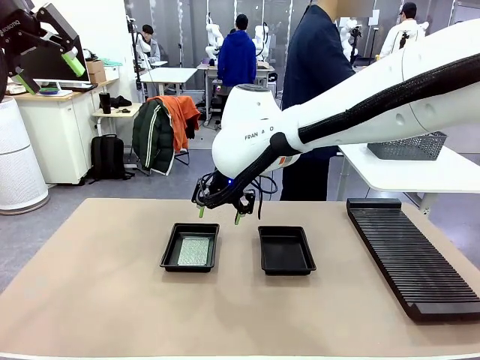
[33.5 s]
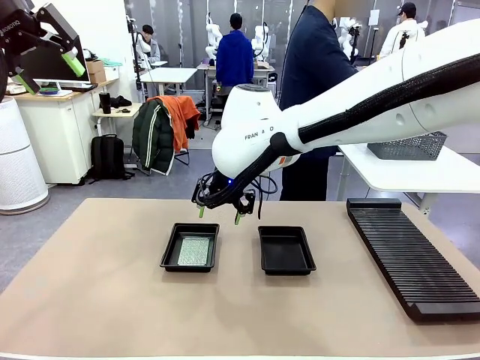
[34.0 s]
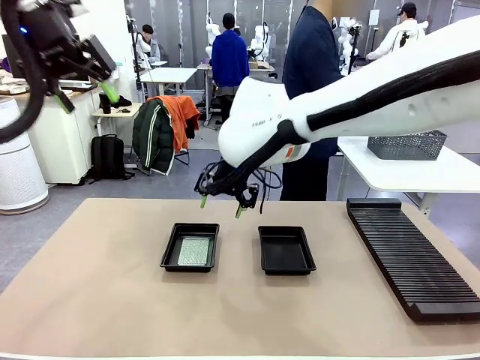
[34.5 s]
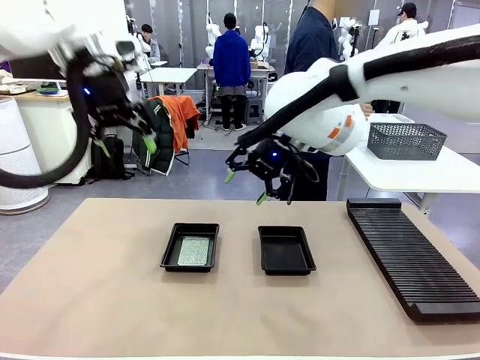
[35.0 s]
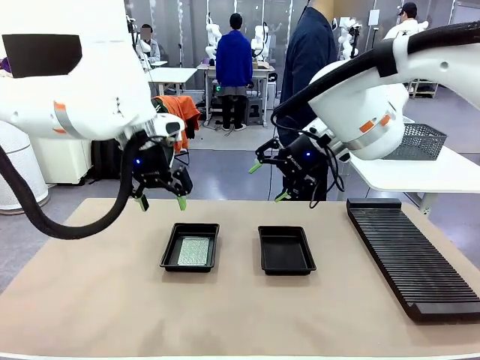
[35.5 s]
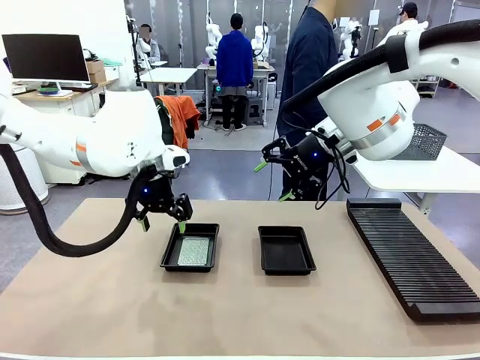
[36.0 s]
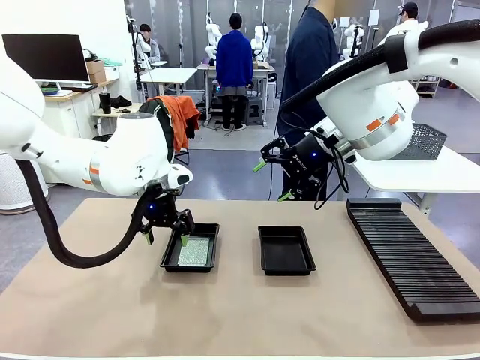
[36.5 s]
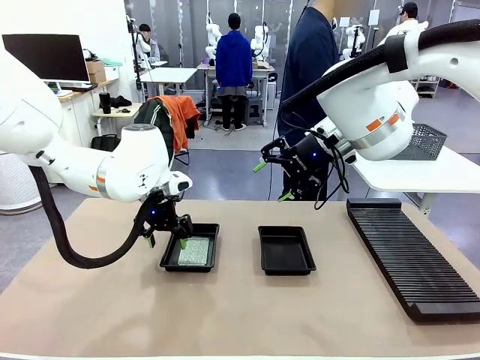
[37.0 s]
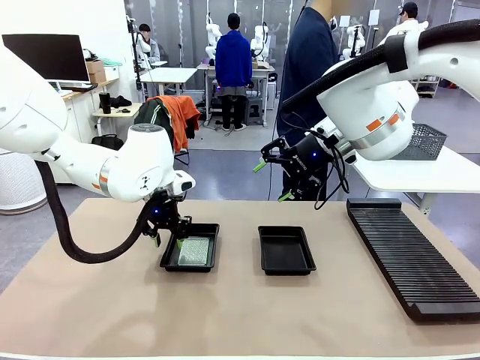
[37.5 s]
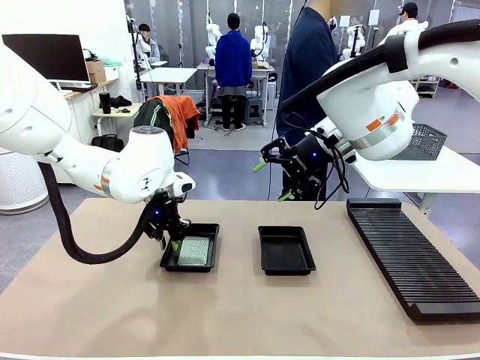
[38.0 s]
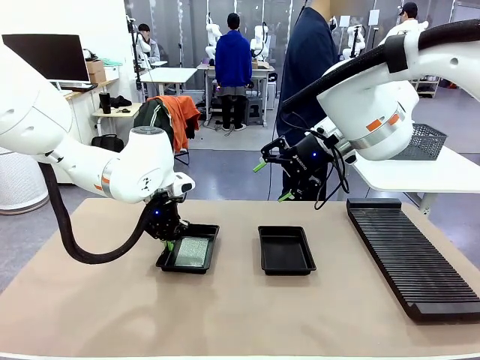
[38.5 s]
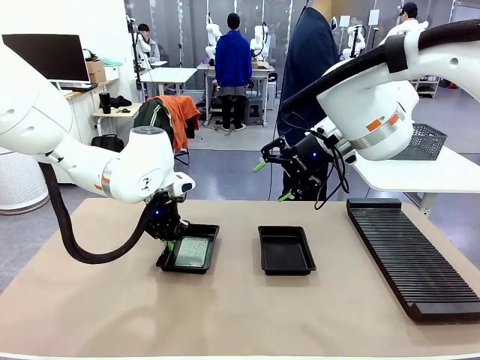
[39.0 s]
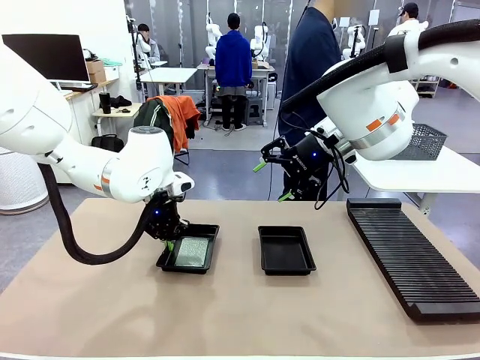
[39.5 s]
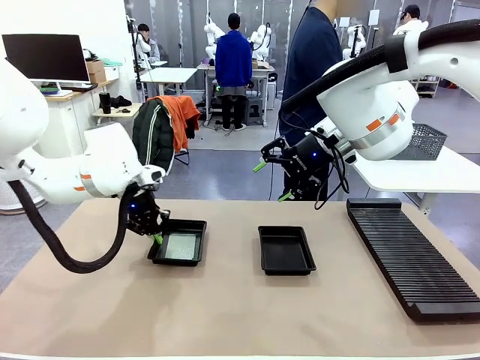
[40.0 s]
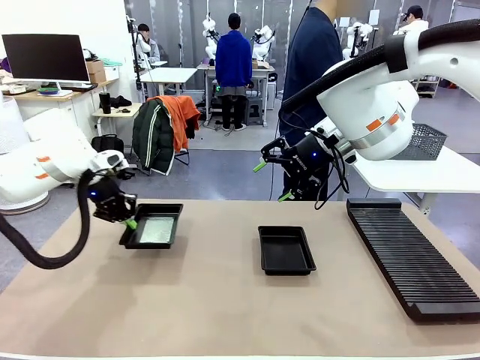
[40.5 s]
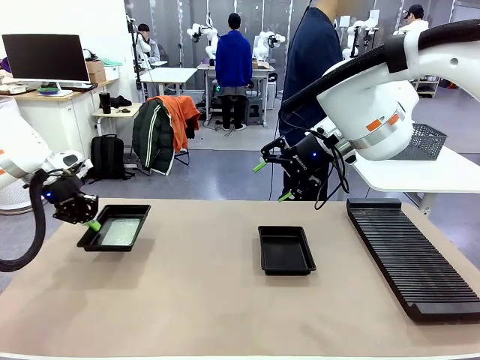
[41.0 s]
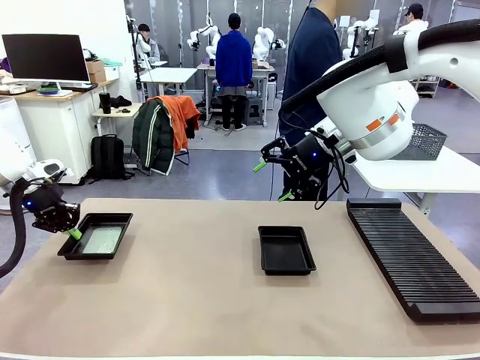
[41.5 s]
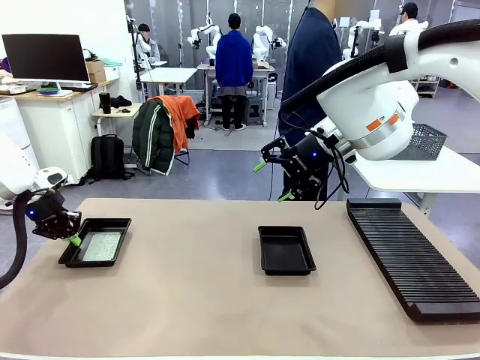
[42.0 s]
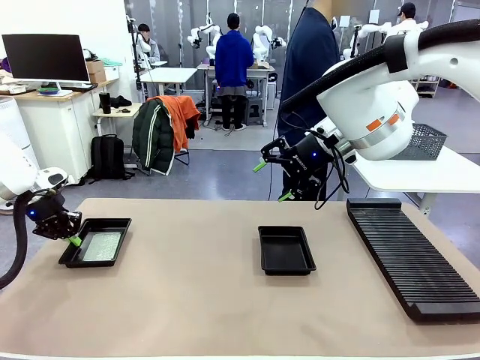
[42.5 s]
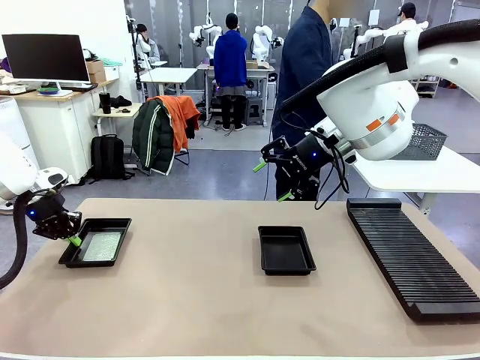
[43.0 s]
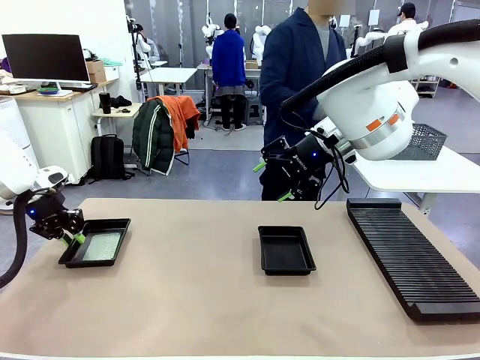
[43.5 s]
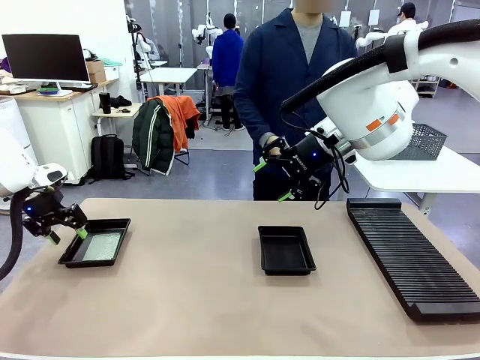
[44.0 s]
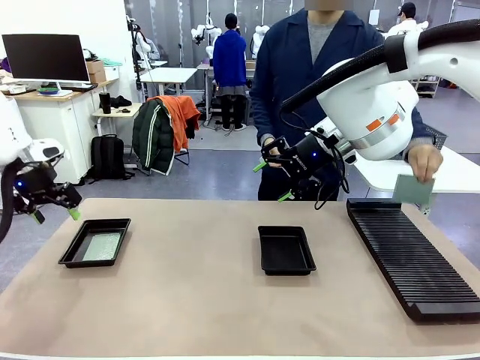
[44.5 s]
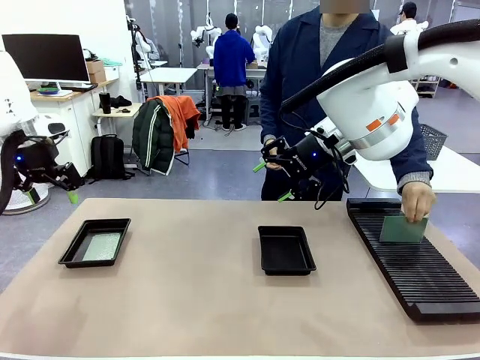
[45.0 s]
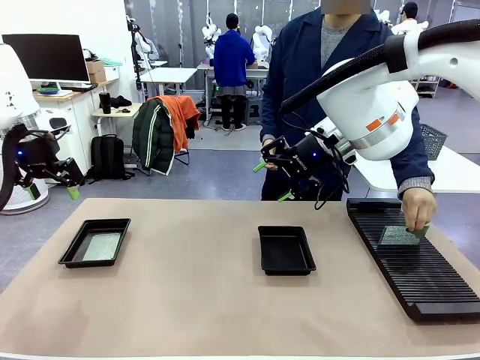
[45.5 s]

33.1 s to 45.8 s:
Task: Inspect and transfer BCBs to ESD trays.
Robot: Pick up the ESD tray and place it on the left side of the table.

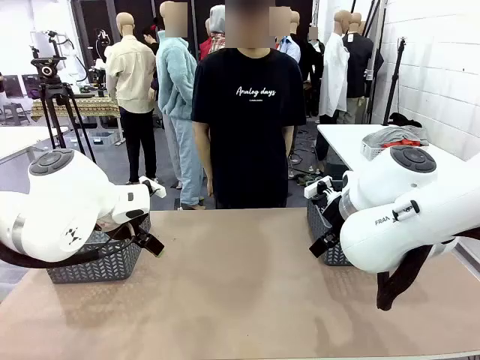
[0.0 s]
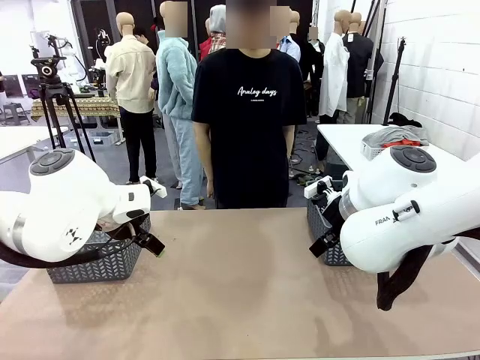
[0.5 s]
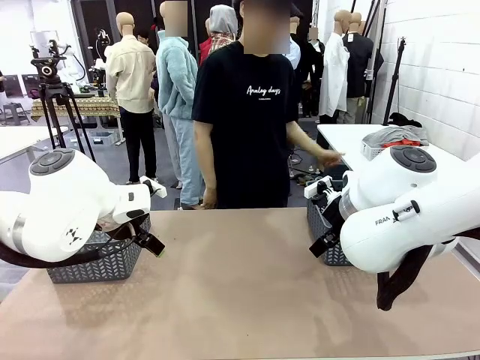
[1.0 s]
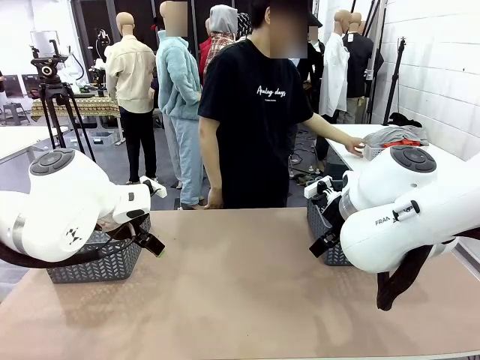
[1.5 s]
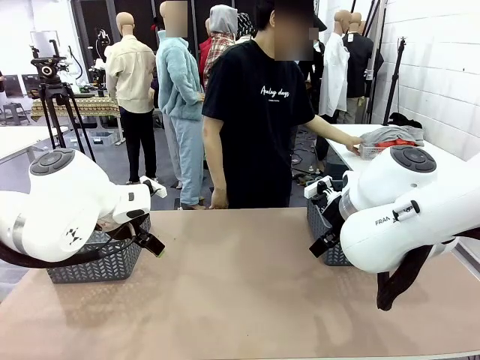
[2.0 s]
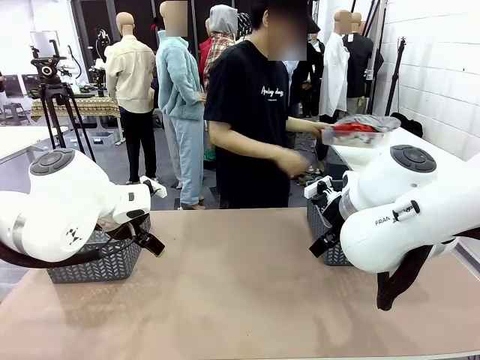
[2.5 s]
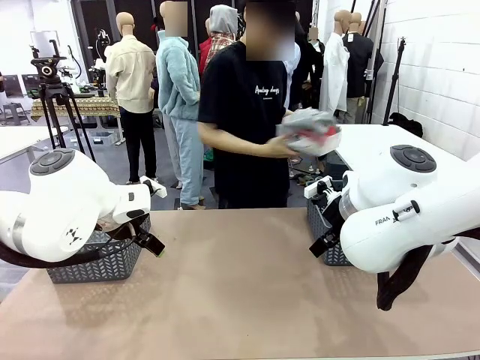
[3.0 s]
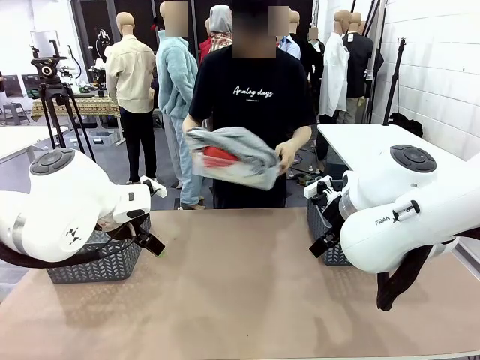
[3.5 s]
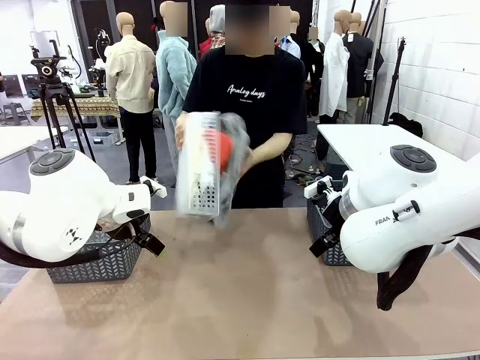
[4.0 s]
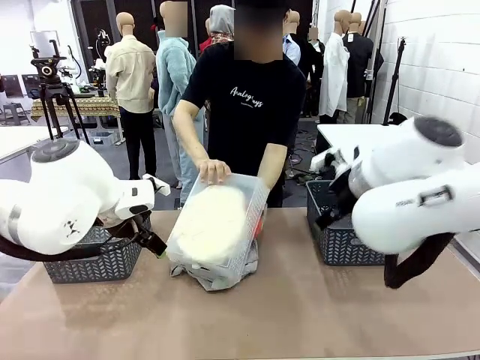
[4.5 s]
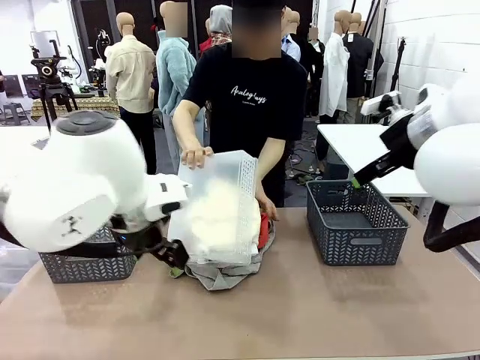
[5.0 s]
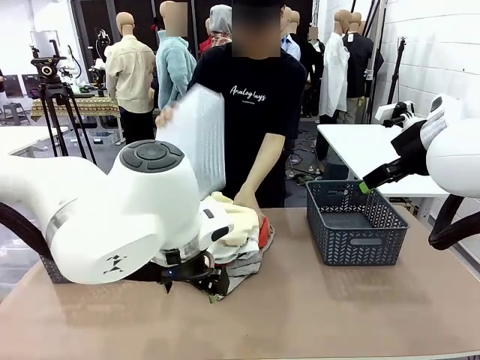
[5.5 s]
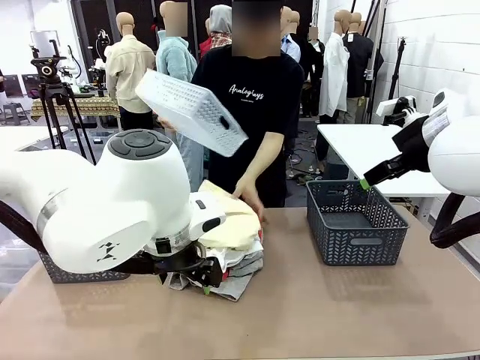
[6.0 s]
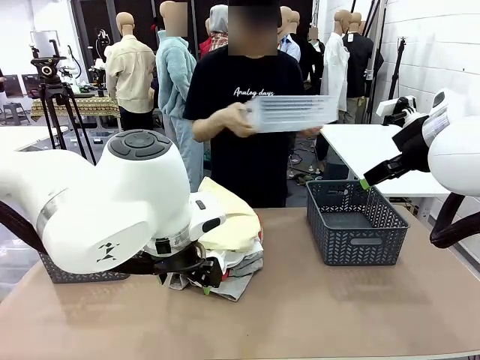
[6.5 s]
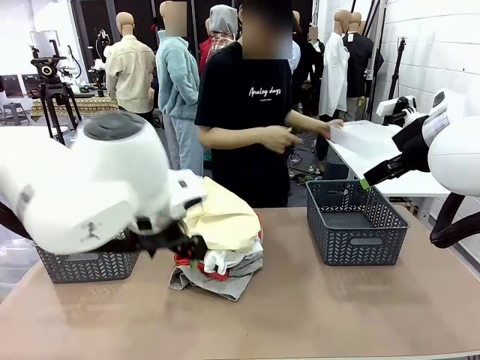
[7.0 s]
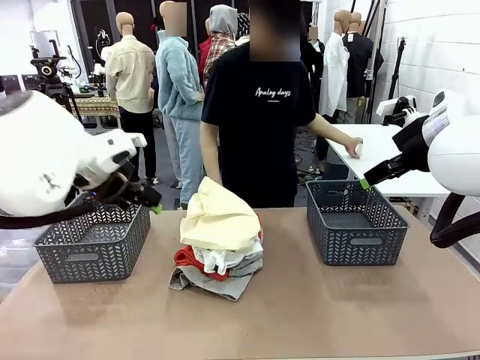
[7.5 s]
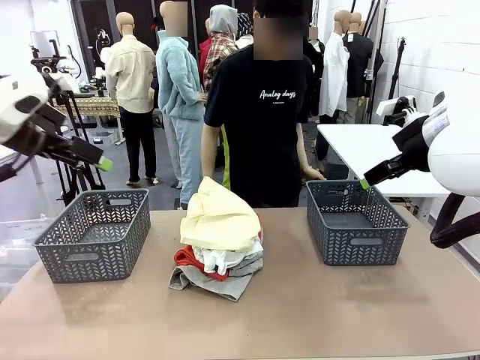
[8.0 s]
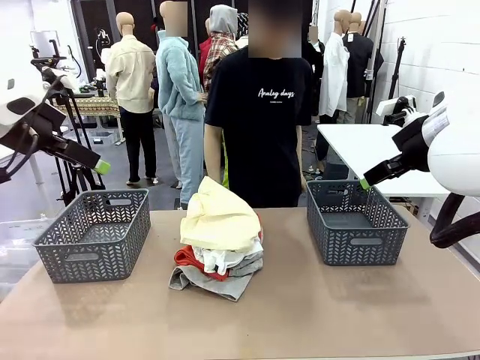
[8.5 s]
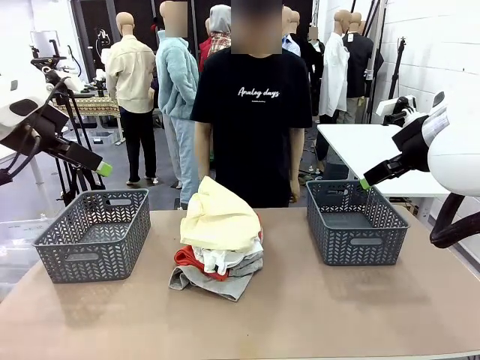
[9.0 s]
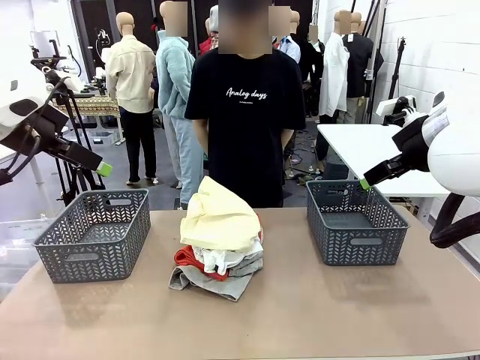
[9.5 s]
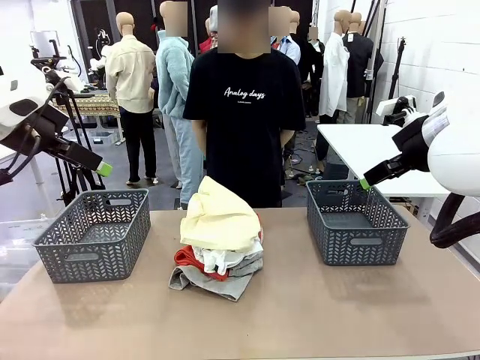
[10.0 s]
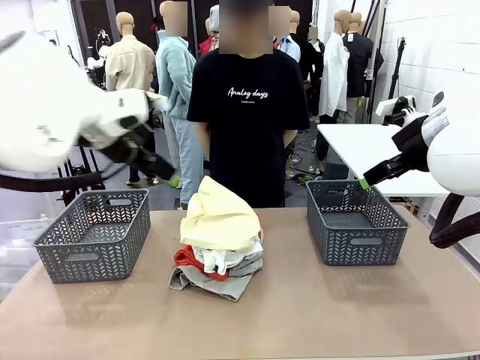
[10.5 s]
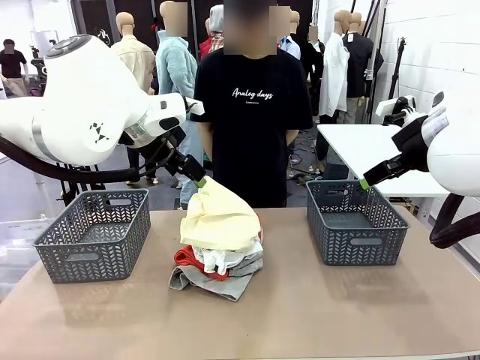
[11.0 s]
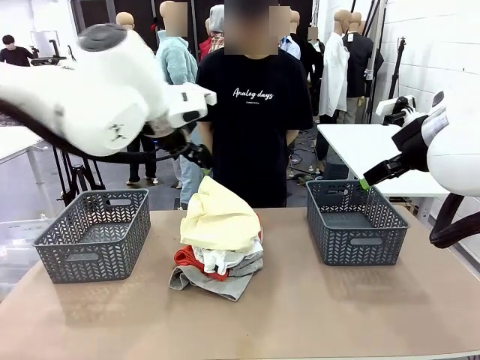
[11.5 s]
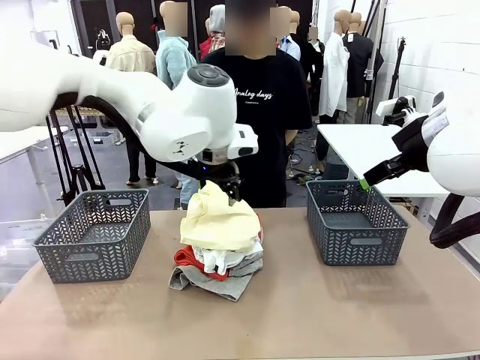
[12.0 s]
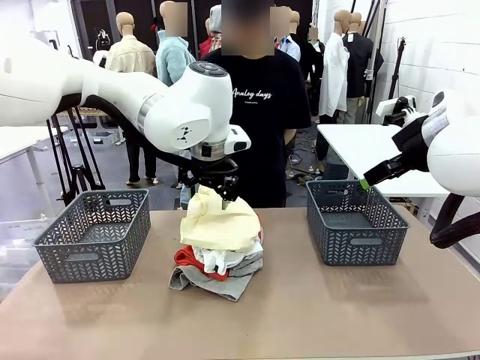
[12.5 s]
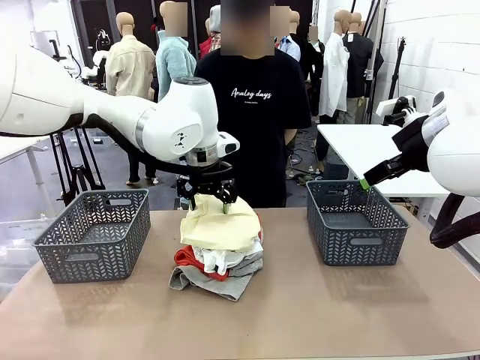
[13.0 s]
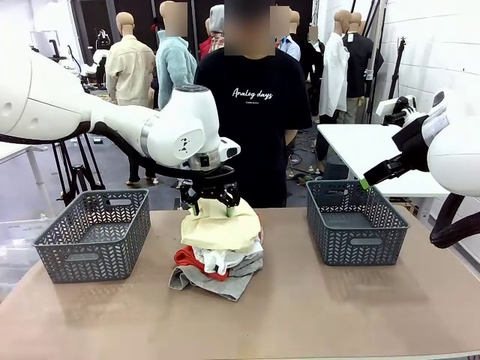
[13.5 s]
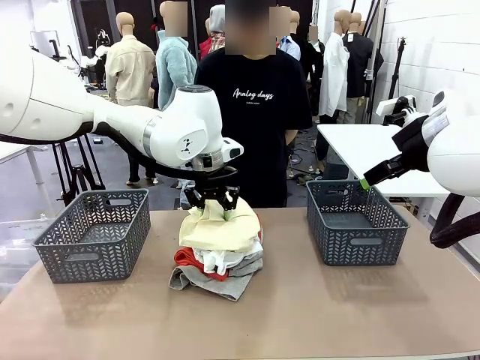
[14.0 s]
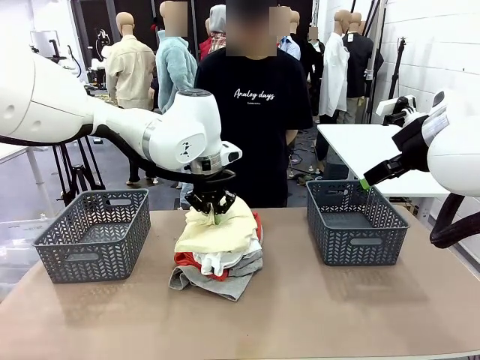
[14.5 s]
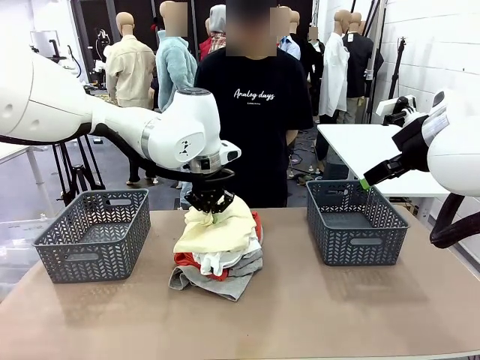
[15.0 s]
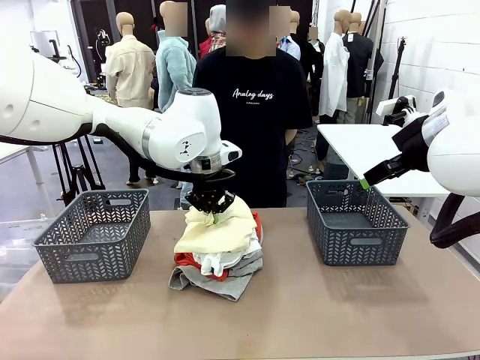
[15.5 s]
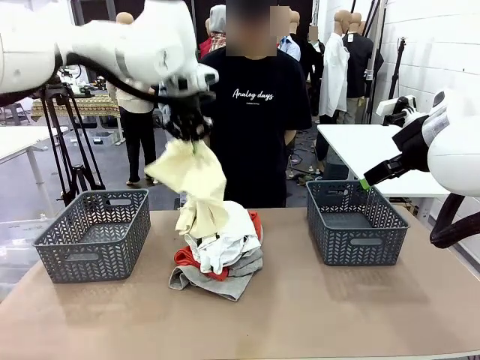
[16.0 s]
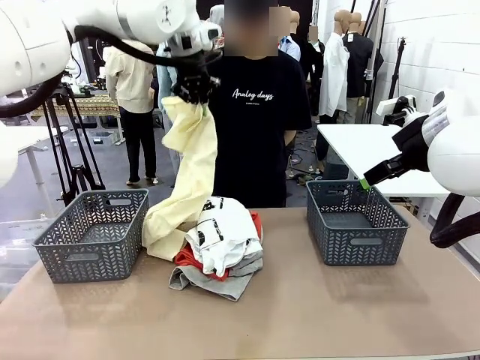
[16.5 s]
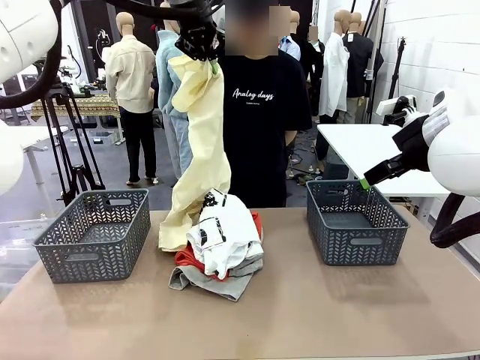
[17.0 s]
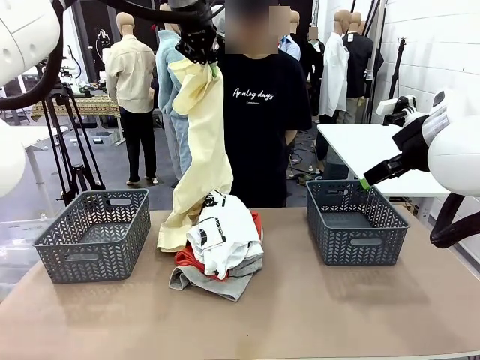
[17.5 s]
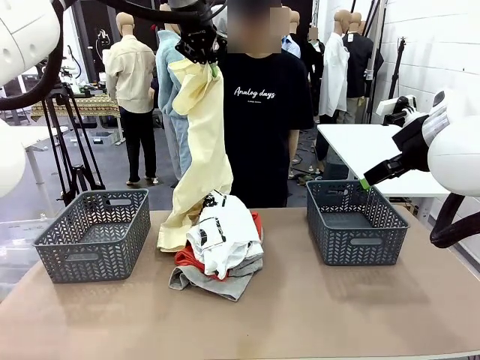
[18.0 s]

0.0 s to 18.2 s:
Task: Sort the tops and bottoms.
Robot: Lift clothes from the center of the table with your left hand.
Person: Pour the clothes from the basket onto the center of the robot table.
